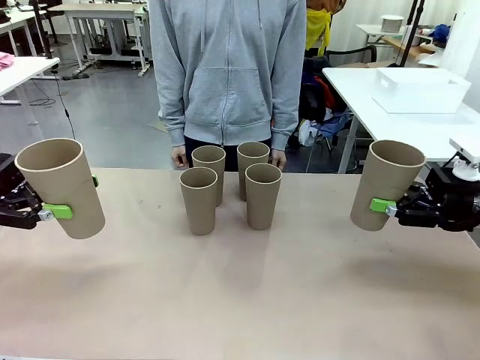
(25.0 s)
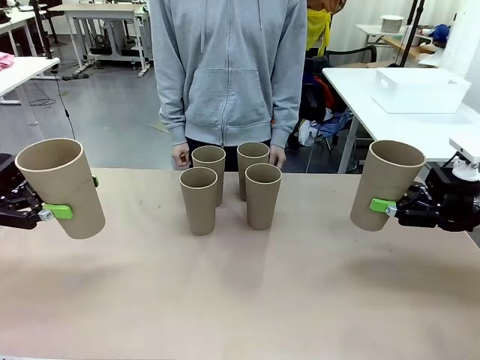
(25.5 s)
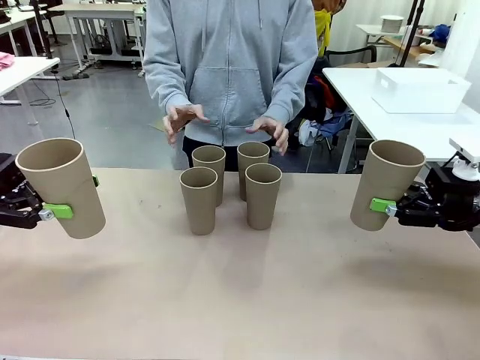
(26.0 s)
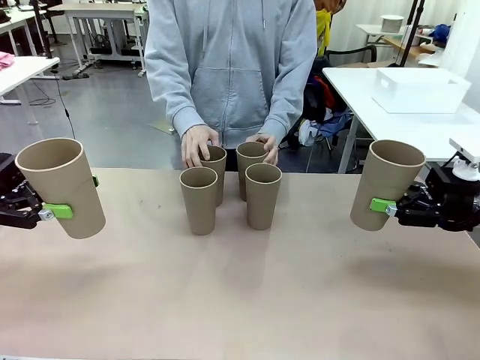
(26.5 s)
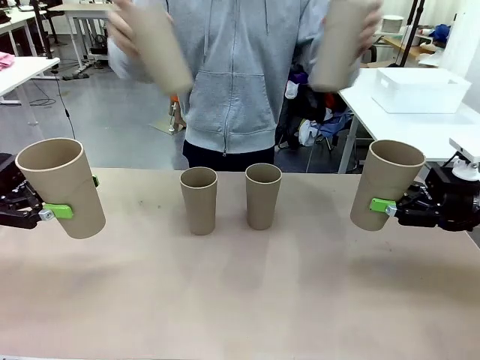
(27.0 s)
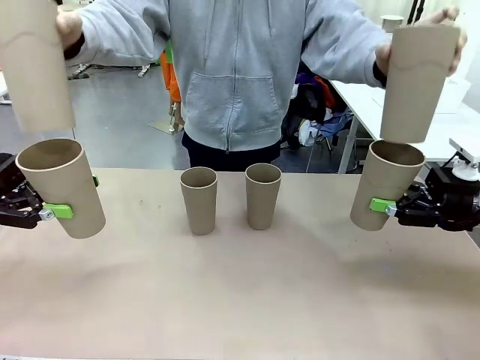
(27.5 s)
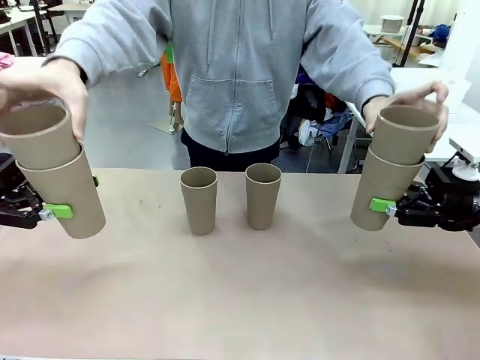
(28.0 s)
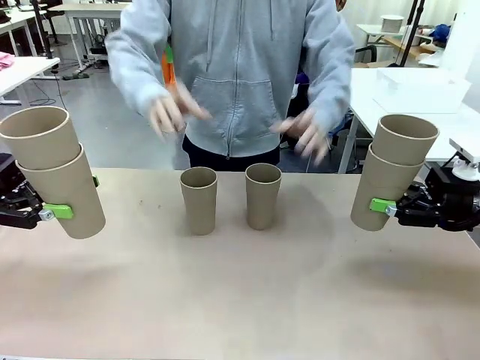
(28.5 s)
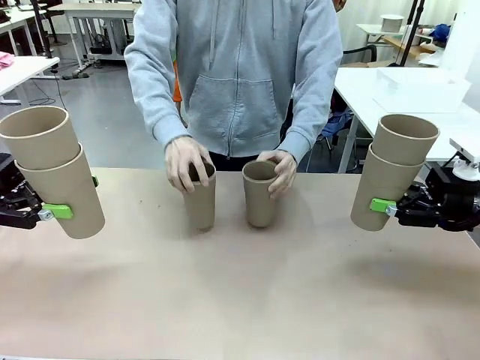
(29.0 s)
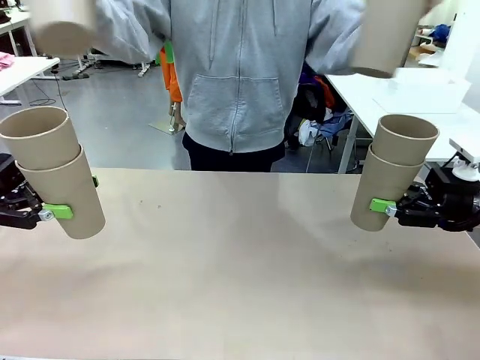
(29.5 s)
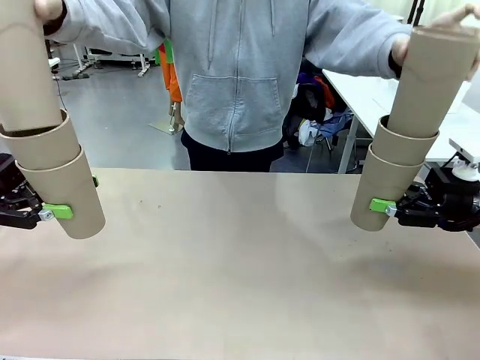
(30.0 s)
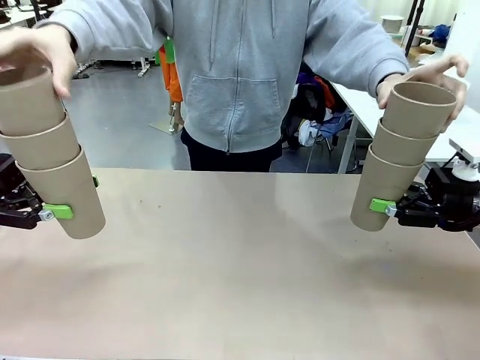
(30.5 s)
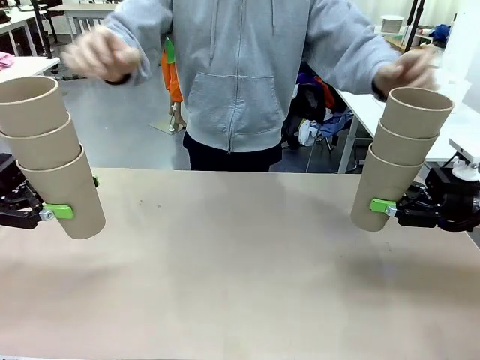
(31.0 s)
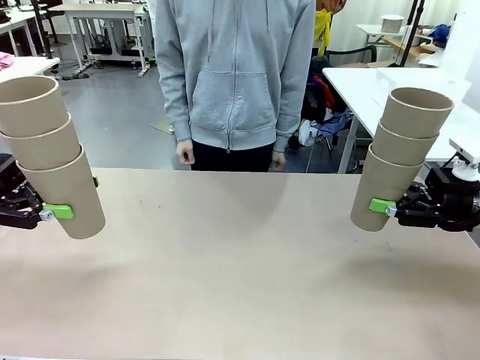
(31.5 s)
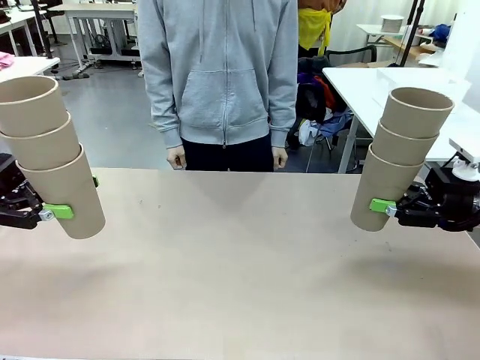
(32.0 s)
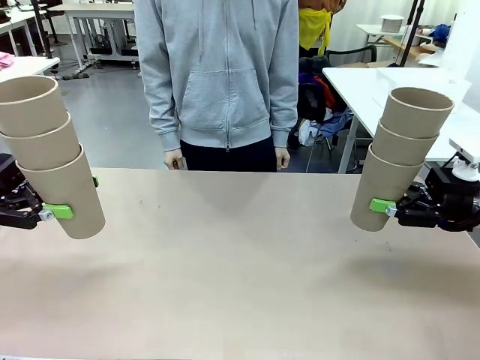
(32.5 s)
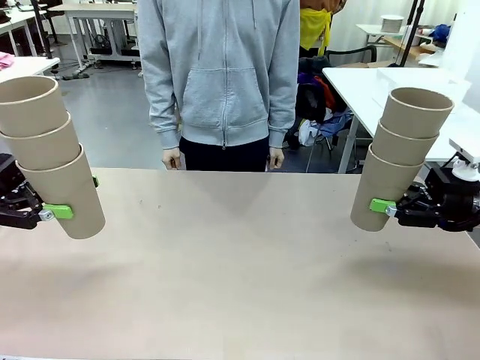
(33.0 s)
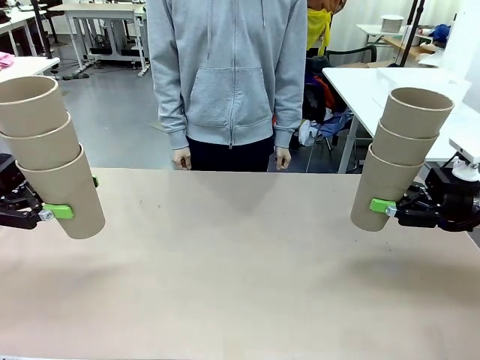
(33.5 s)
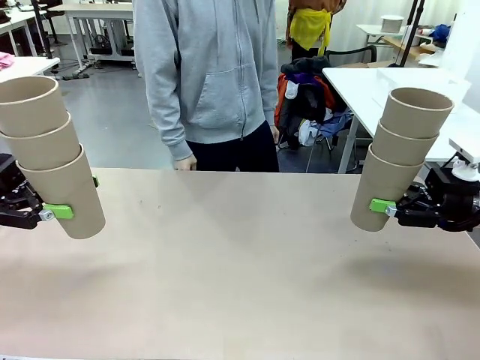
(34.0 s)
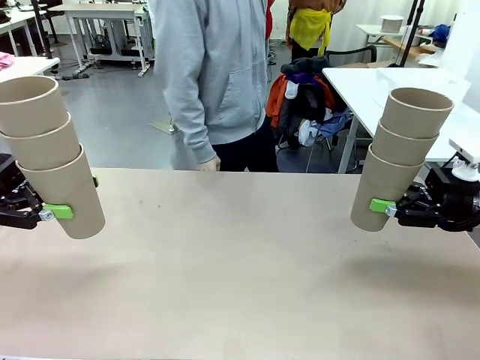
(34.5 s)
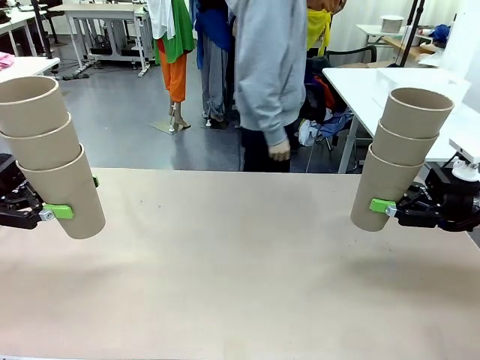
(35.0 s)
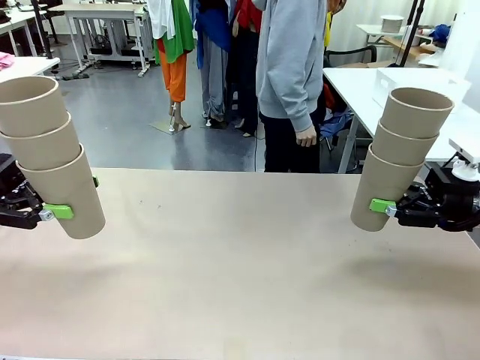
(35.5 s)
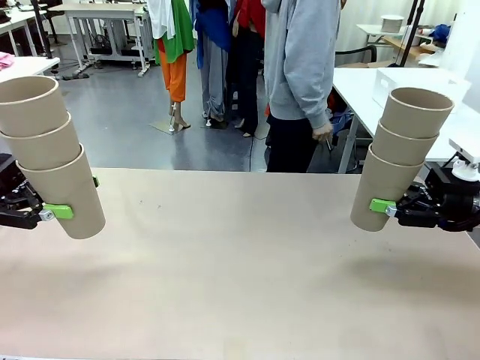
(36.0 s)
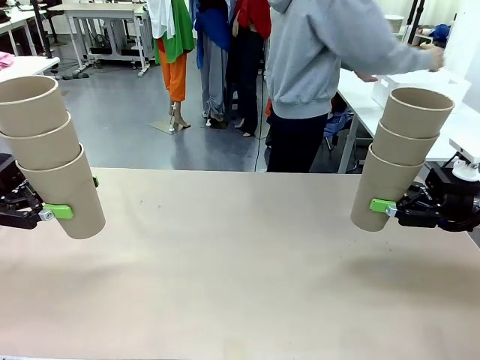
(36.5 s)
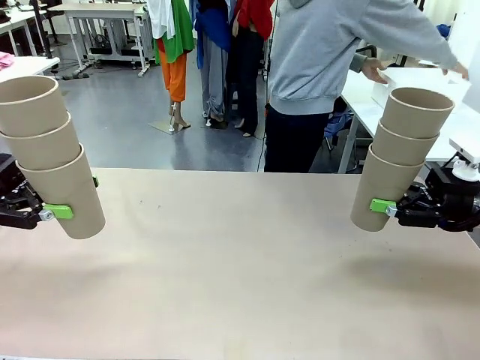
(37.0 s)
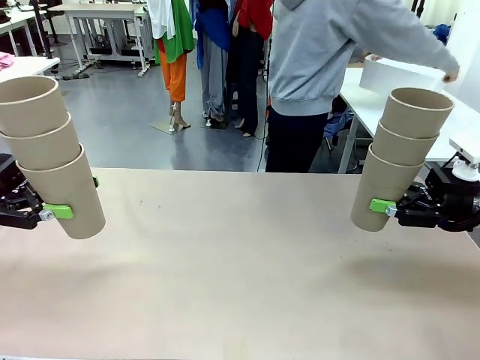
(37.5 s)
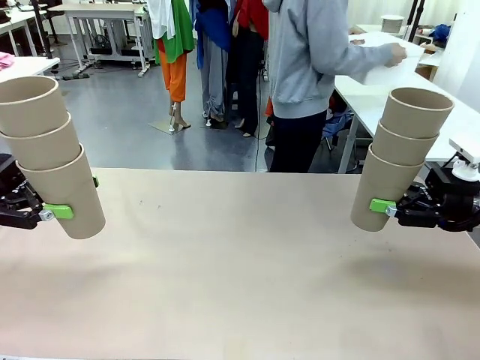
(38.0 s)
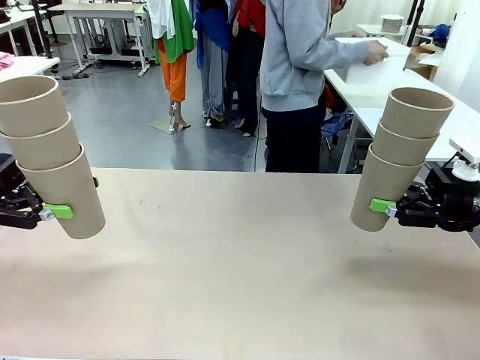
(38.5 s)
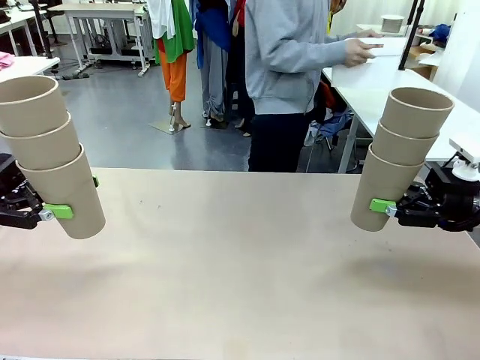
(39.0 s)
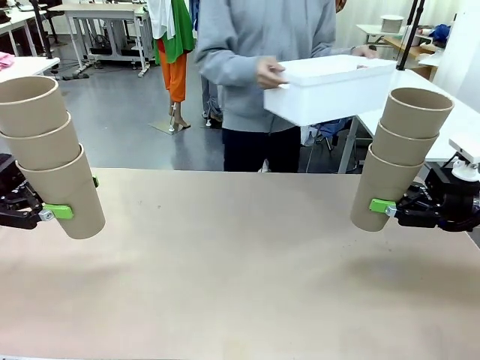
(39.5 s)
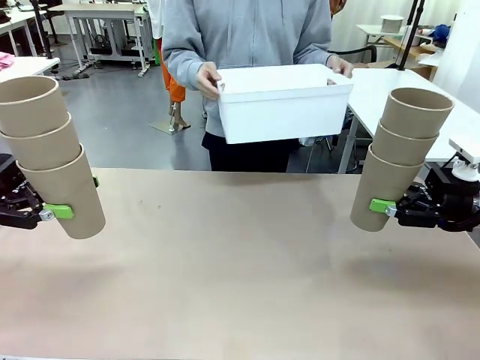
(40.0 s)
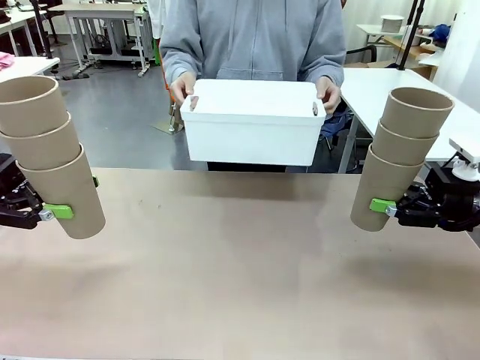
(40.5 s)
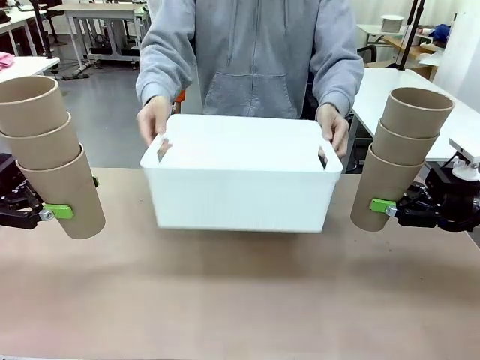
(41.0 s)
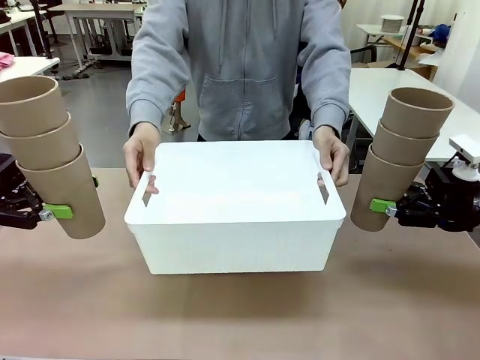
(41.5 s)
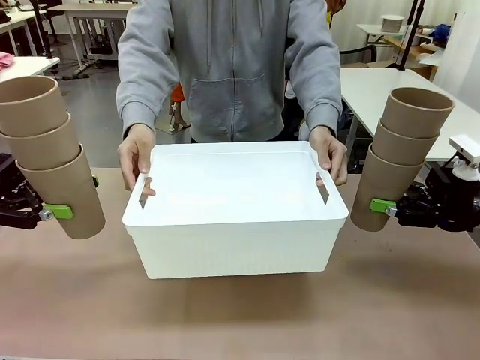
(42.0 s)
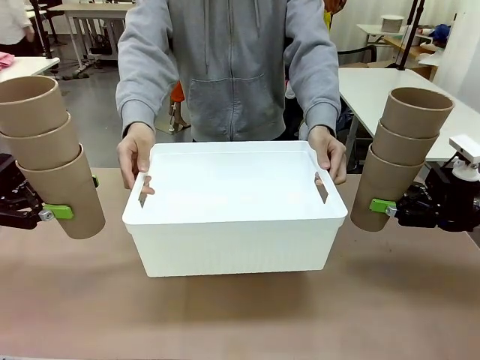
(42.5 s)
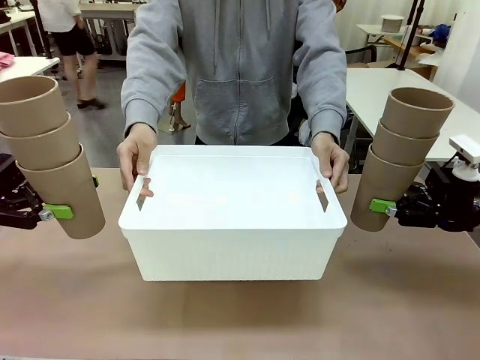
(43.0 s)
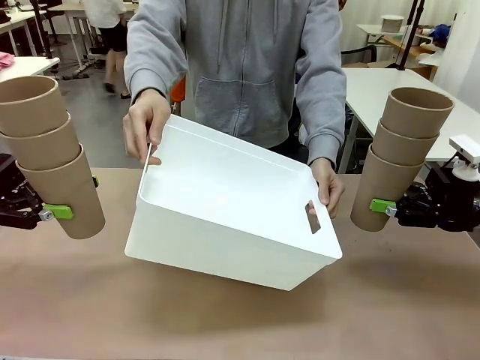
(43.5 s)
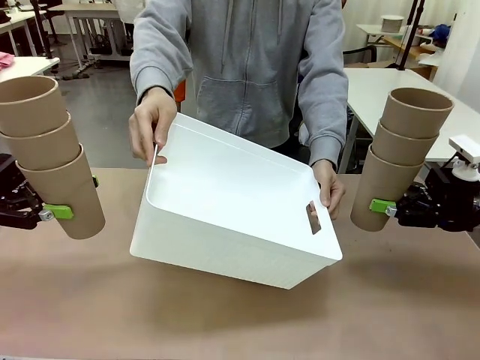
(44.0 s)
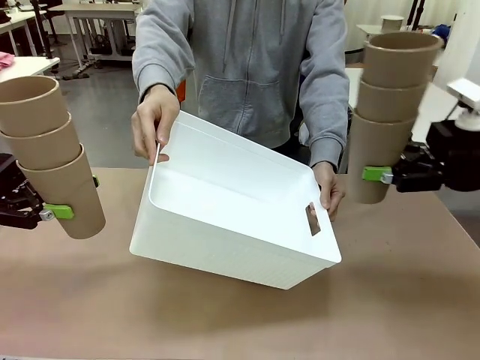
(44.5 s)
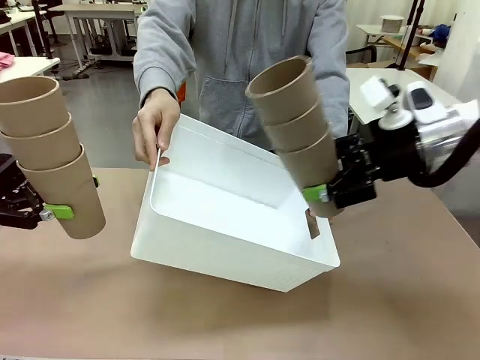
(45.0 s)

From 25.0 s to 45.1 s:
Task: Stack the cups and store them in the basket.
Robot: Place the stack of Reusable plastic cups into the Pantry Basket.
Person: Pick up the basket from the Human Table, bring it to the front of the robot, and present it.
